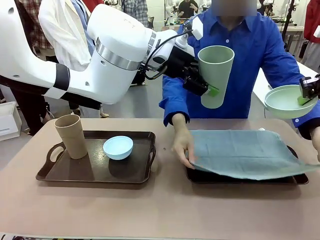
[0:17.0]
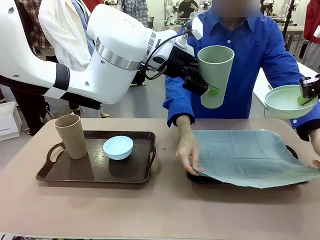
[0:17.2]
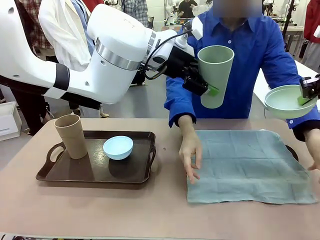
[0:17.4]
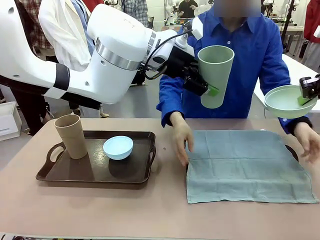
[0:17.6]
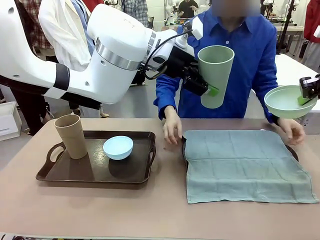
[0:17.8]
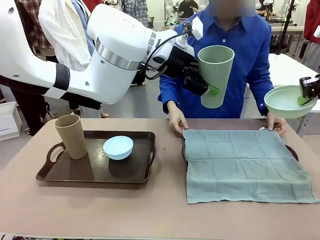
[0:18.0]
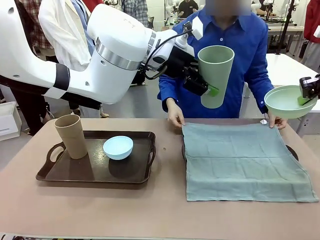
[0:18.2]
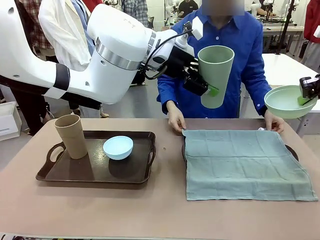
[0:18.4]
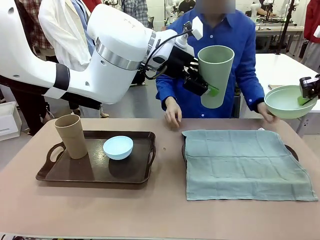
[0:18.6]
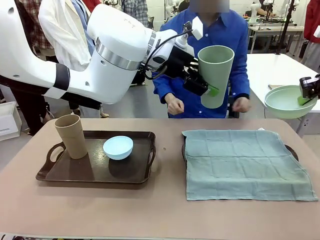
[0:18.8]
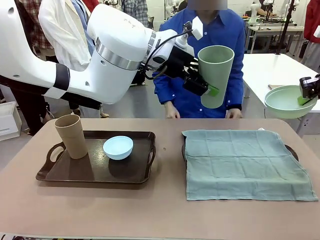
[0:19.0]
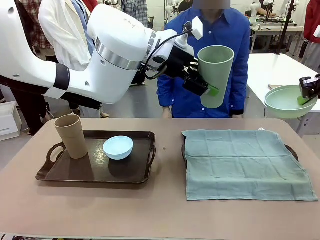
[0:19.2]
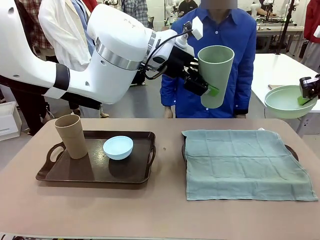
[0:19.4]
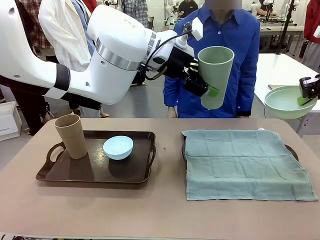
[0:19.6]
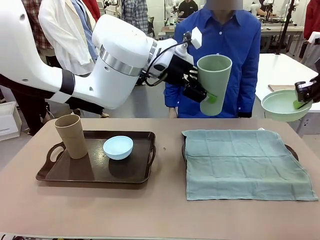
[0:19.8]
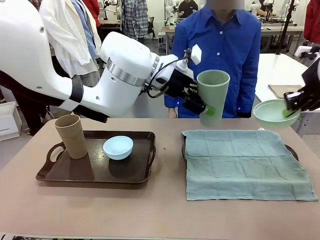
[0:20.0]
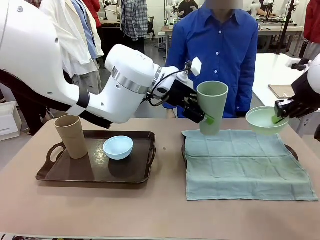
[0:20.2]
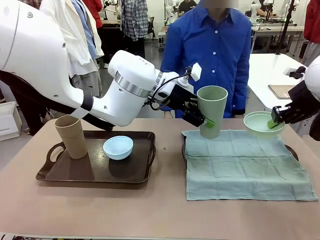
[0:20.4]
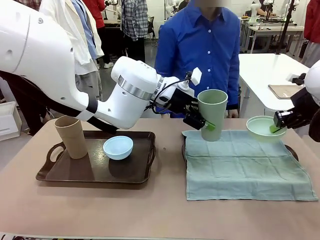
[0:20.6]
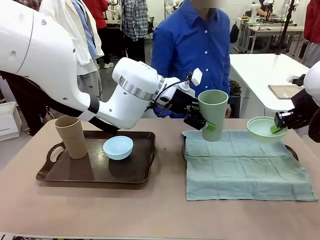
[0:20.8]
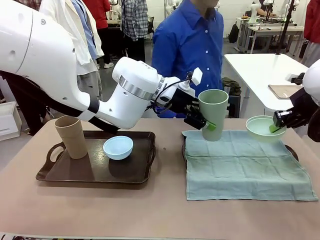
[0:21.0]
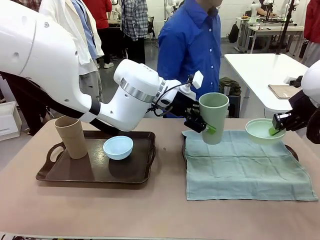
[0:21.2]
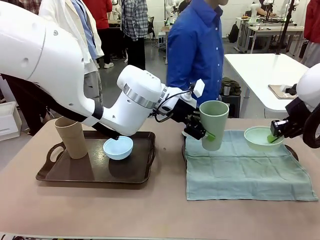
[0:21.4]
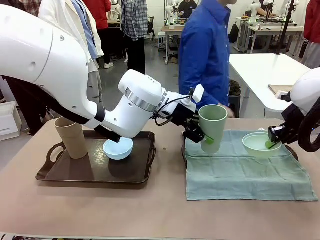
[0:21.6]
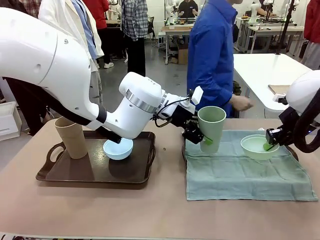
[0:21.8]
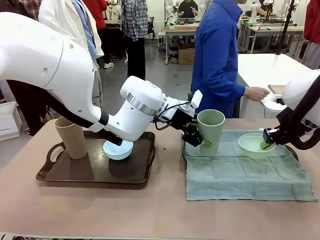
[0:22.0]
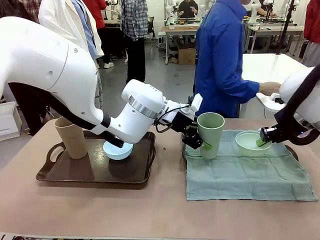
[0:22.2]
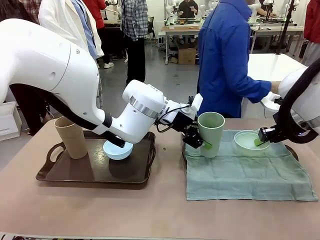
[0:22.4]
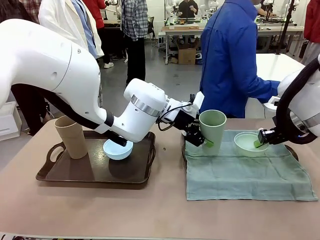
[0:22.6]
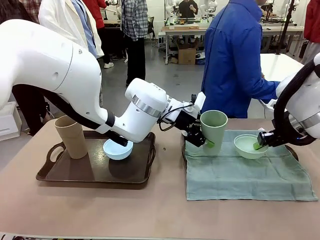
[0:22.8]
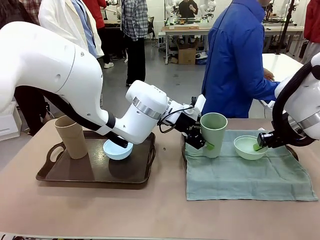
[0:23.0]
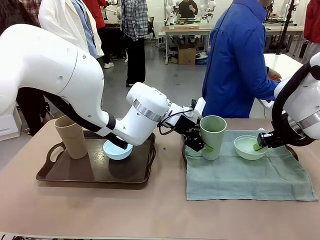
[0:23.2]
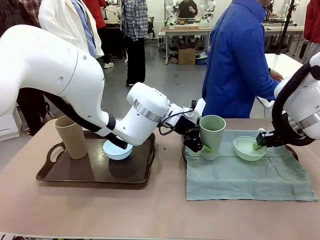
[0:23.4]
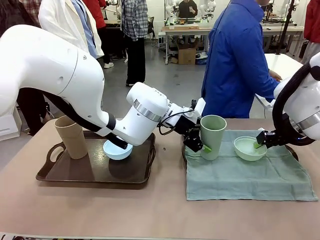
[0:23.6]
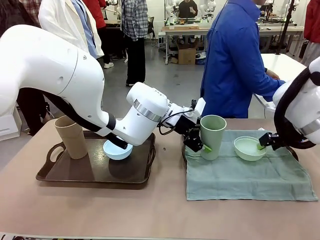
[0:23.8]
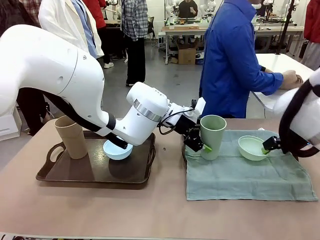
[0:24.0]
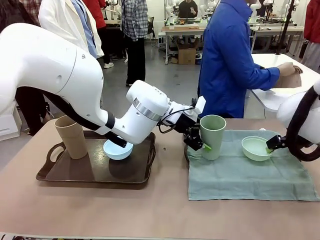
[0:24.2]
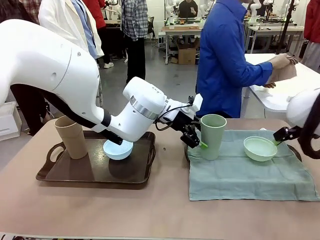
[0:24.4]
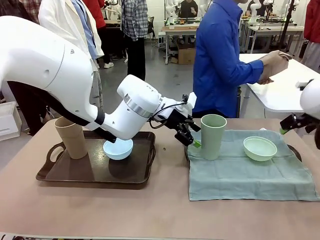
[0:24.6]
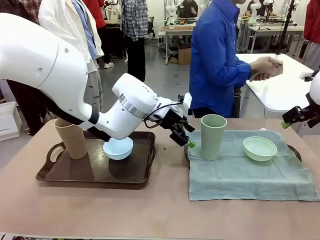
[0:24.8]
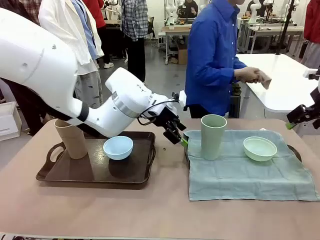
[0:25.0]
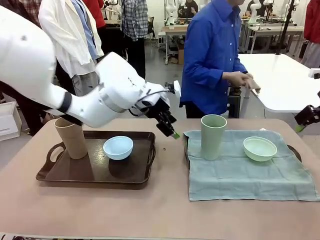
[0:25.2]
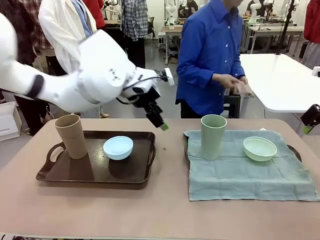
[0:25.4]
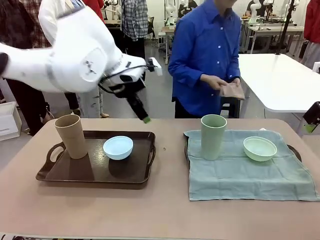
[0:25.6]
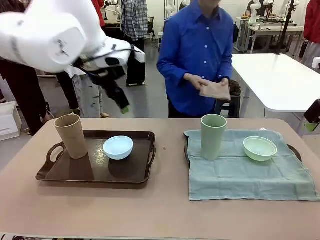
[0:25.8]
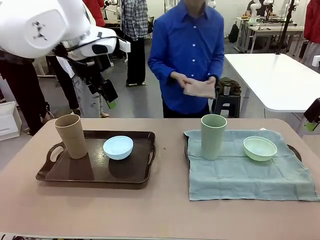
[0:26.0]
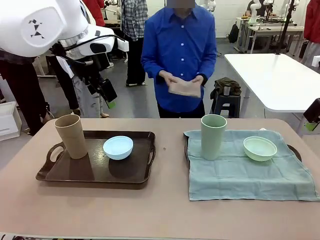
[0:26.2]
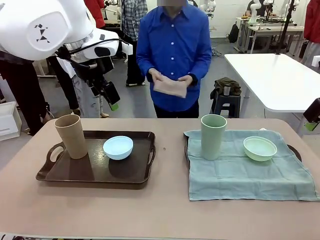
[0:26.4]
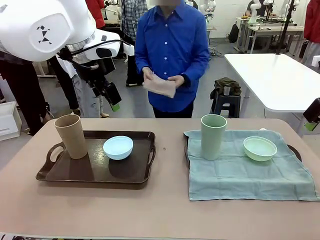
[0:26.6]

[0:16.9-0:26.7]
Robot: Place the Picnic Bowl and Reusable plastic cup back onto the Handle tray in front of the human's position.
Person: The human returns to the human table to pick up another napkin and walks to the robot table to stand in front of the tray without a napkin.

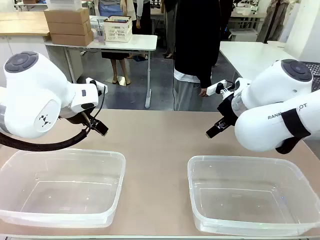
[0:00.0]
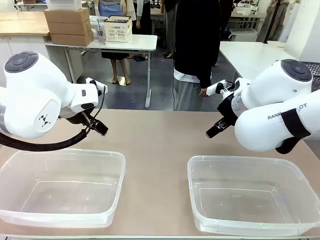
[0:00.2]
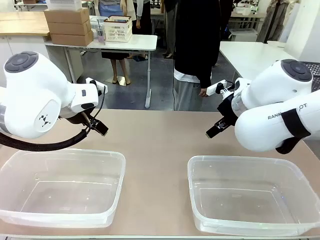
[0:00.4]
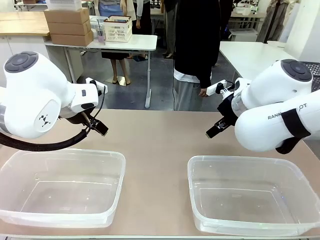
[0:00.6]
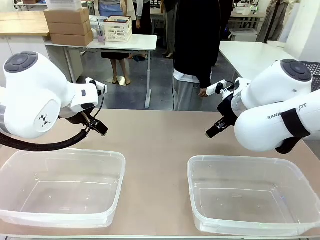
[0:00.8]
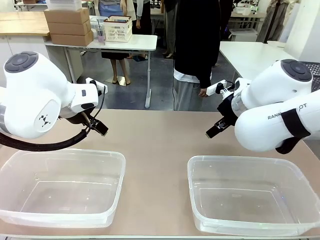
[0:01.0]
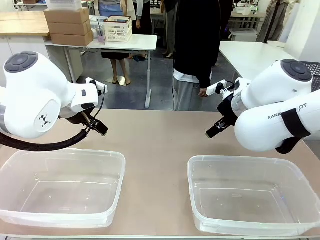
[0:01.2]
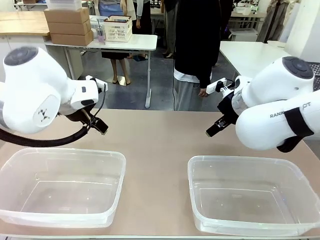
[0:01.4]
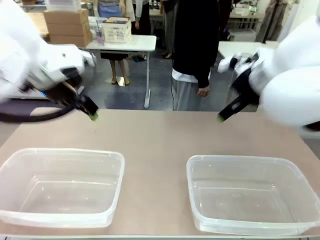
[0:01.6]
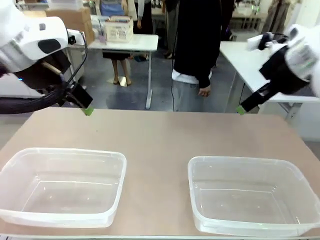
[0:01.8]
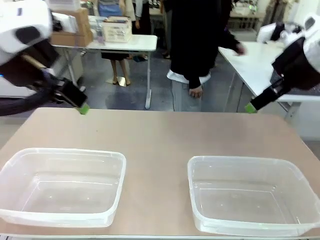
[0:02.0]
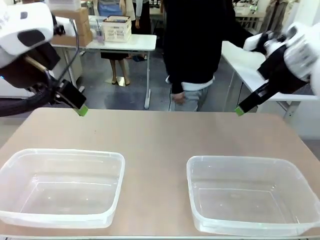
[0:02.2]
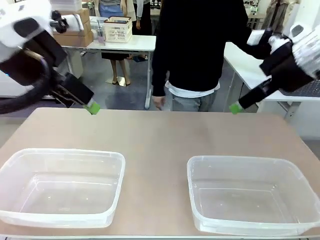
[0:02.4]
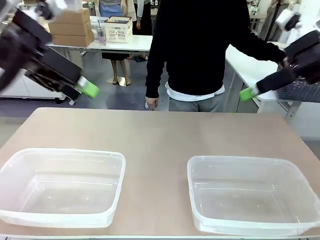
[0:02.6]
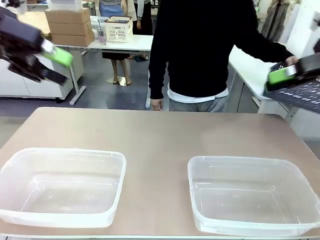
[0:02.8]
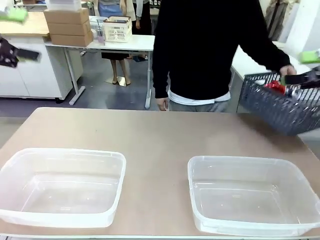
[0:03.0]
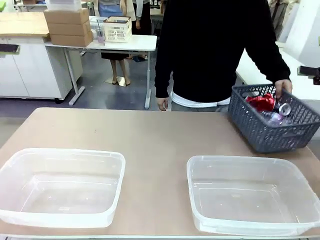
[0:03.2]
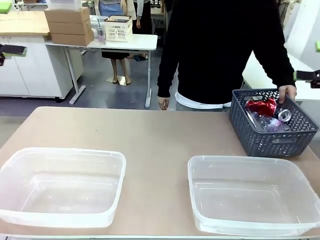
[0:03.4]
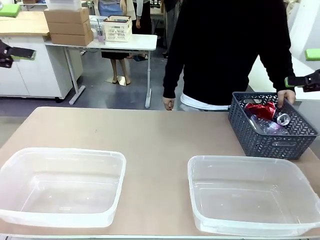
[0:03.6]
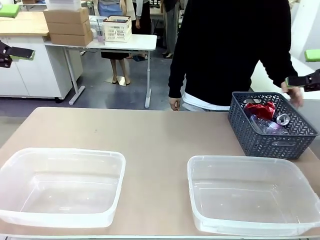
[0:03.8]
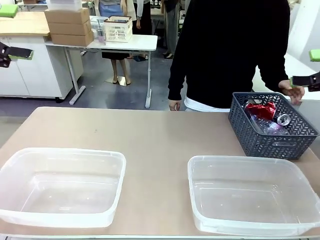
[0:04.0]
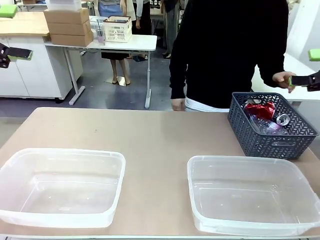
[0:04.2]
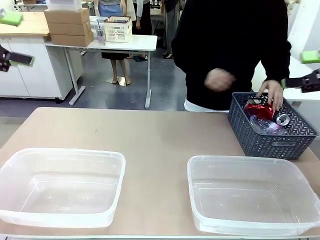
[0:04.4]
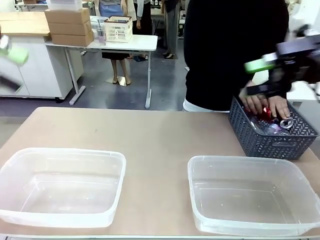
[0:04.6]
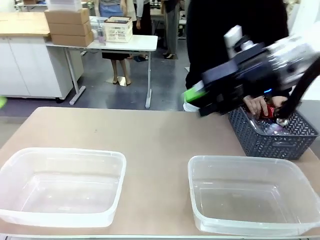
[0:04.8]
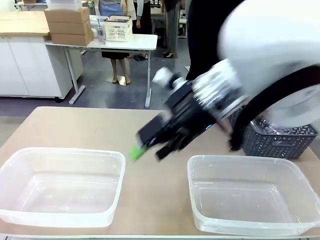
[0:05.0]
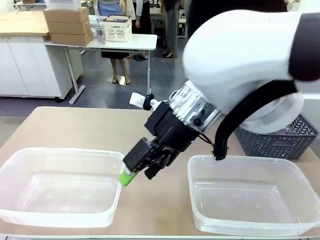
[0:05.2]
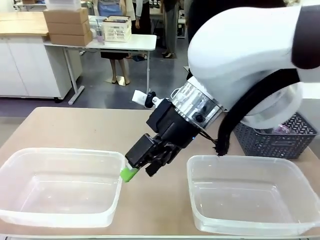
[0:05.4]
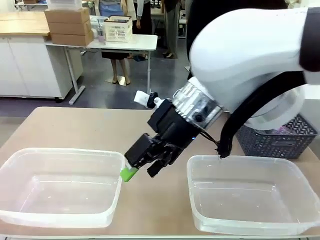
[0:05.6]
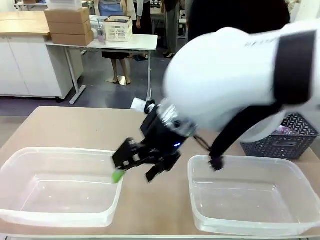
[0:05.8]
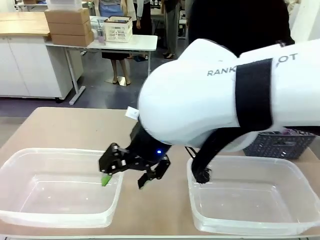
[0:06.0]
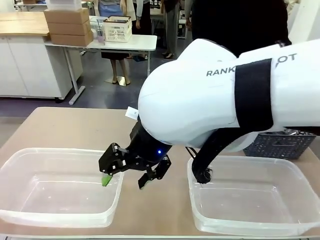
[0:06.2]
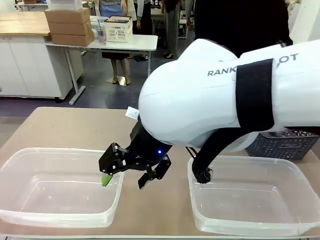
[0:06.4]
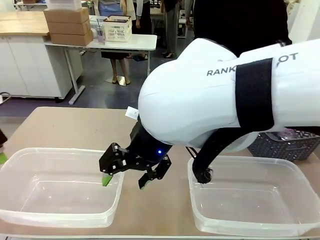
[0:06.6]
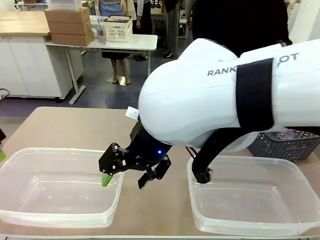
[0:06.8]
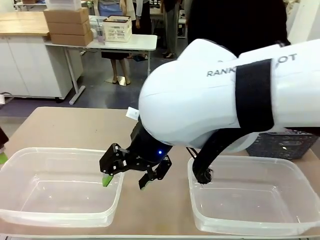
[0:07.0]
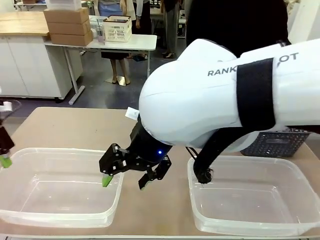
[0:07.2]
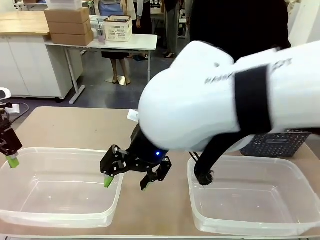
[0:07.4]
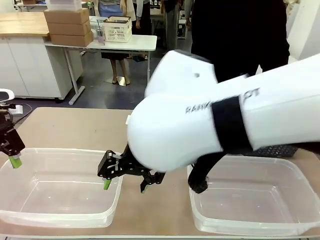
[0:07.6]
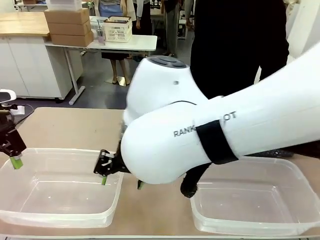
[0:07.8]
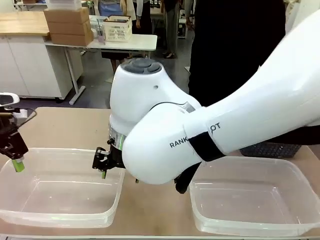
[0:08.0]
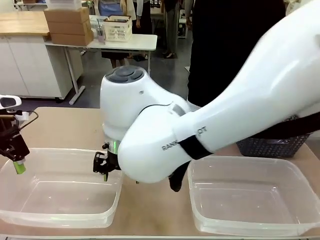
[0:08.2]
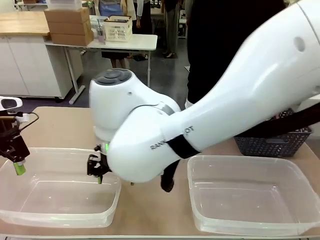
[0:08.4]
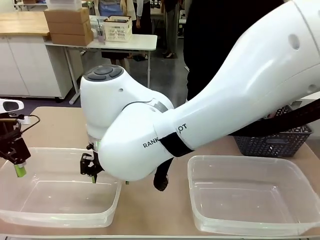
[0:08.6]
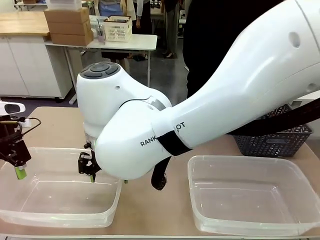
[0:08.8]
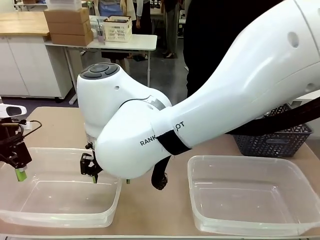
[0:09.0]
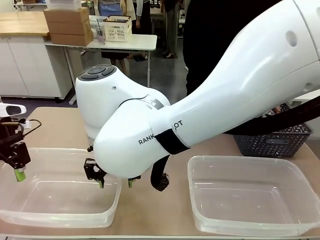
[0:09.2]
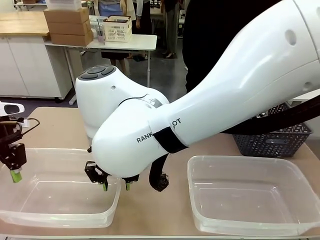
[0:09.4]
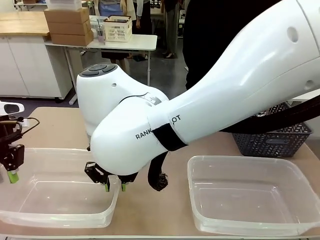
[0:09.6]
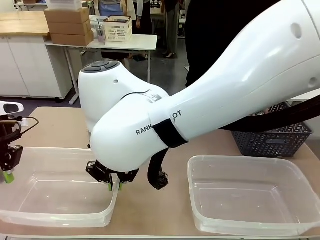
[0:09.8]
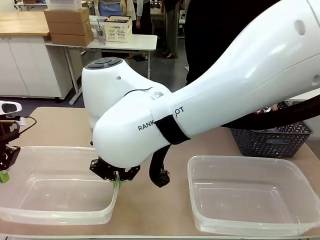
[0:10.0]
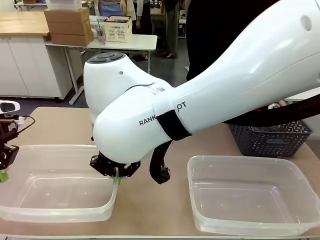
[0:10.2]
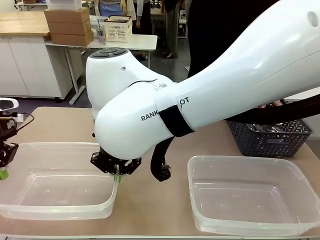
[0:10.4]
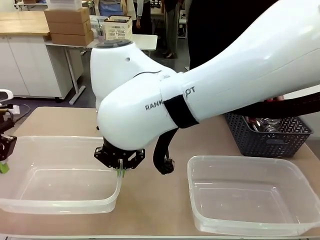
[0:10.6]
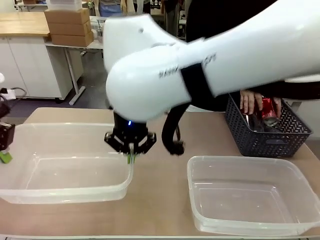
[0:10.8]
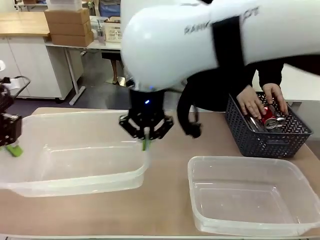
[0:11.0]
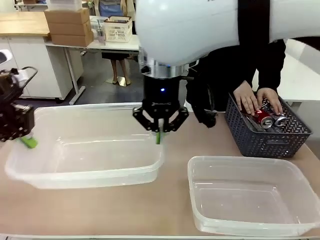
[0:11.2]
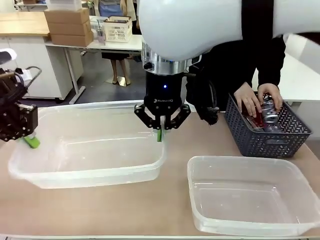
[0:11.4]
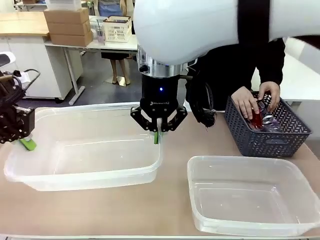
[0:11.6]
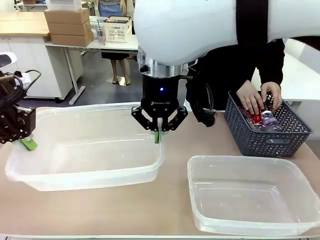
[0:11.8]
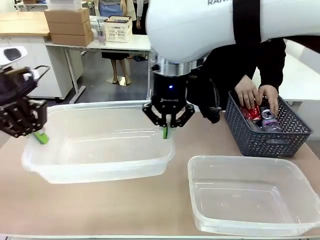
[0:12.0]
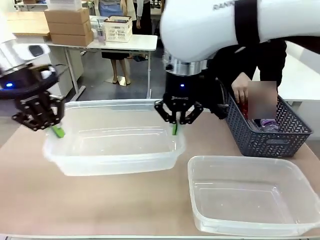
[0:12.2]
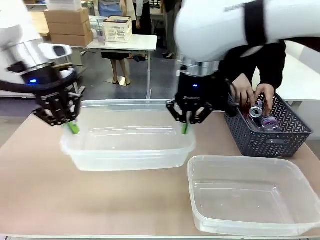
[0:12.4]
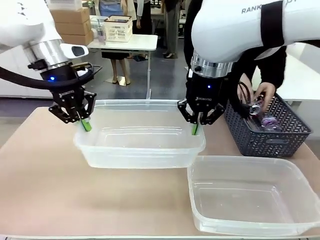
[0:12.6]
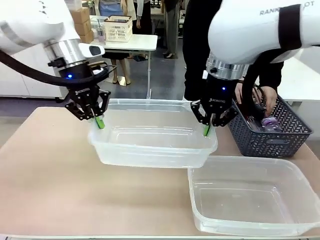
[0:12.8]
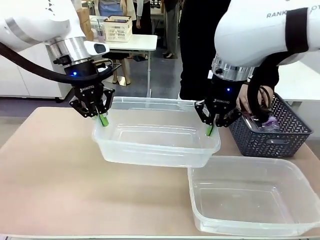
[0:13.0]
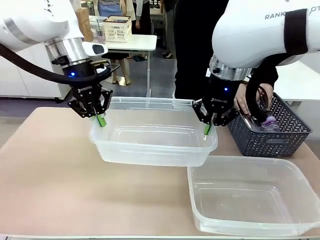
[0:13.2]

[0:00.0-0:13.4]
Robot: Pick up the Organizing box on the left side of the table and lift it.
Person: Pick up the storage basket and place it on the left side of the robot table. Pick up can-shaped waste one by one and place it into the organizing box lifted by the robot.
